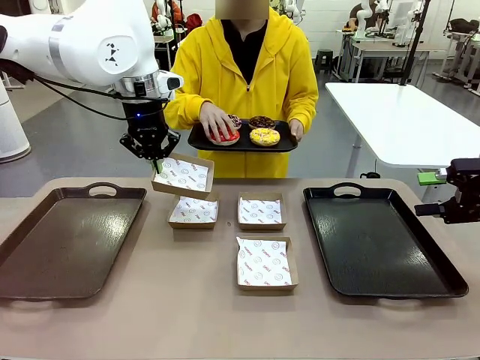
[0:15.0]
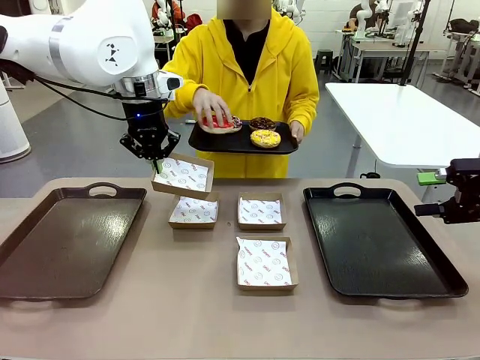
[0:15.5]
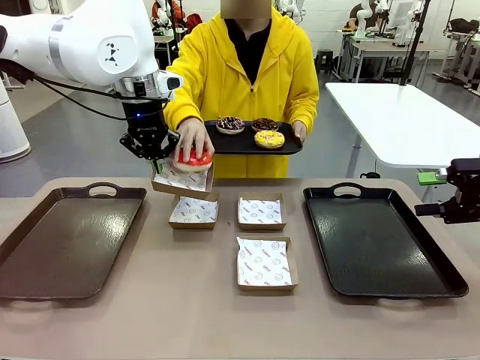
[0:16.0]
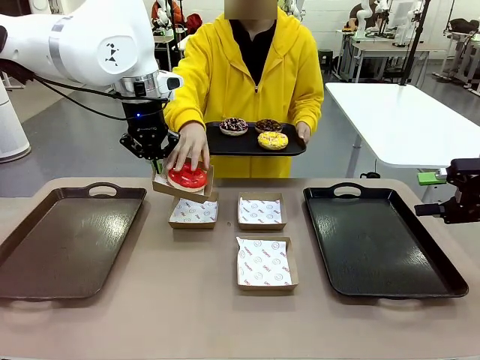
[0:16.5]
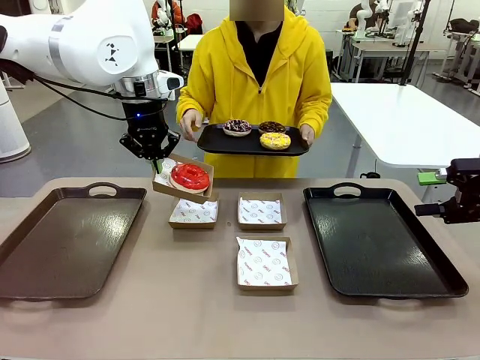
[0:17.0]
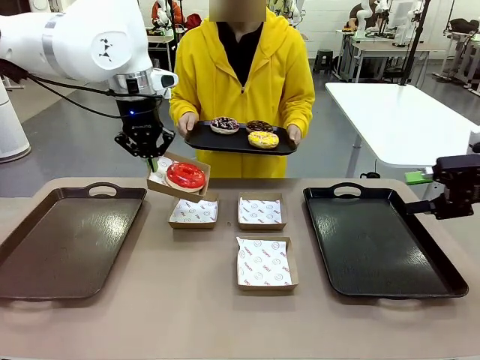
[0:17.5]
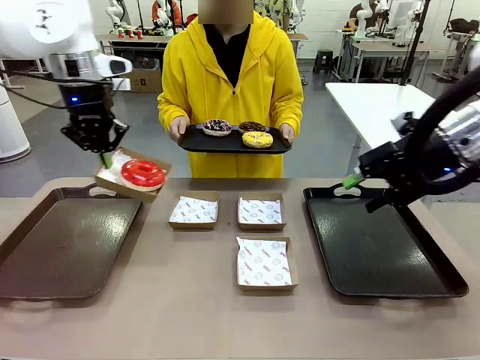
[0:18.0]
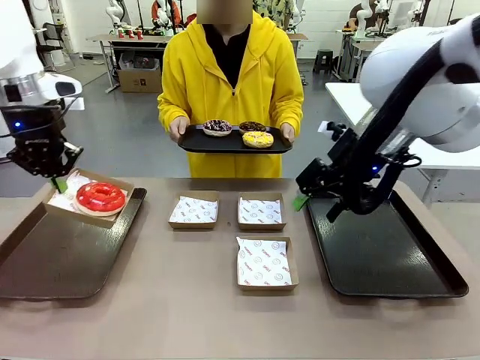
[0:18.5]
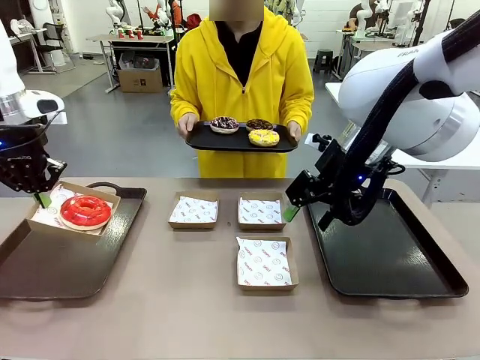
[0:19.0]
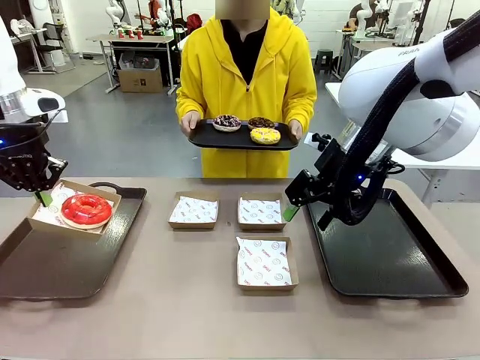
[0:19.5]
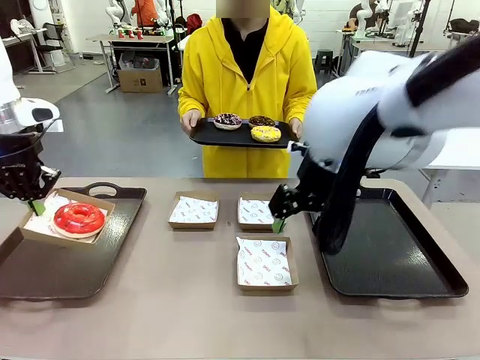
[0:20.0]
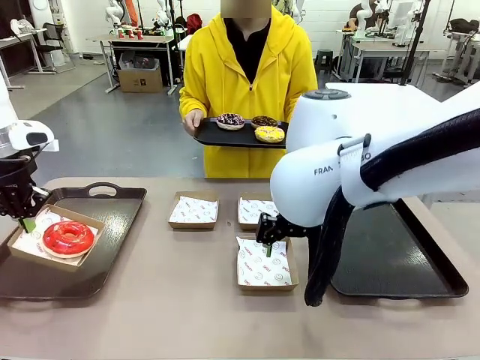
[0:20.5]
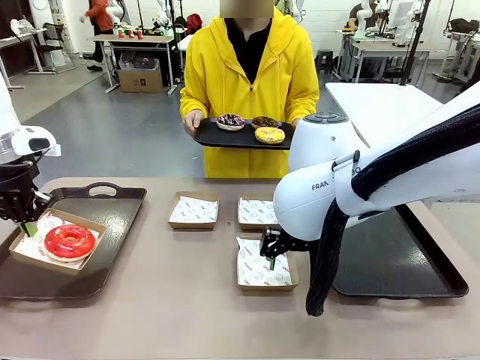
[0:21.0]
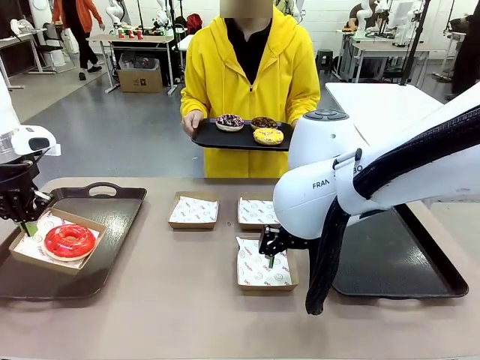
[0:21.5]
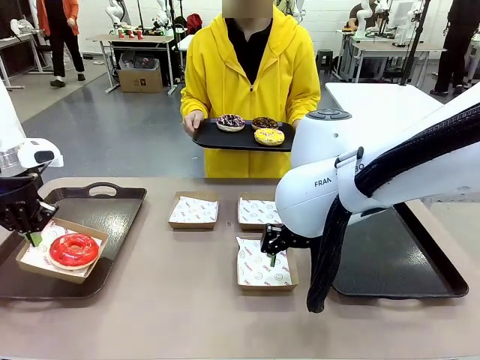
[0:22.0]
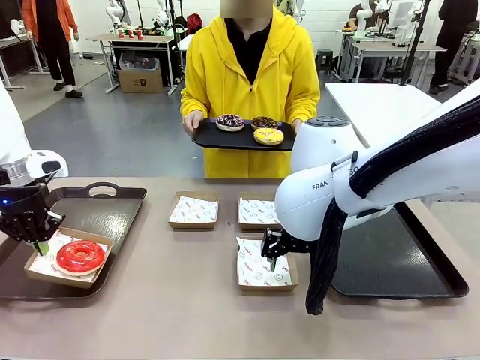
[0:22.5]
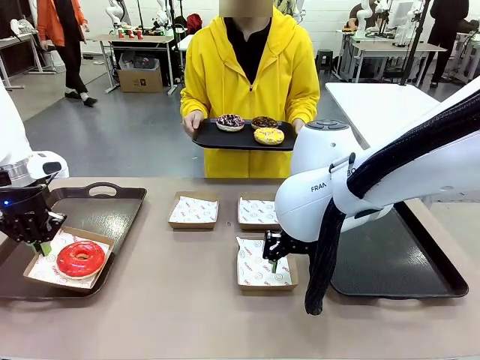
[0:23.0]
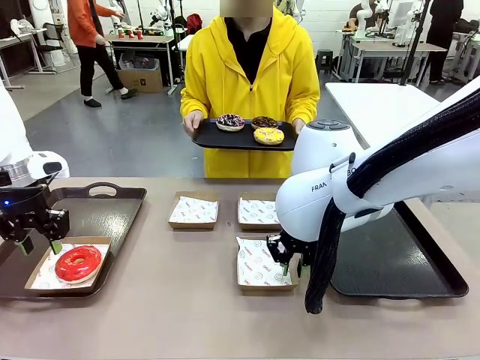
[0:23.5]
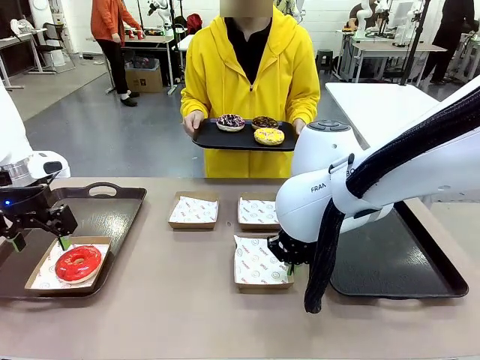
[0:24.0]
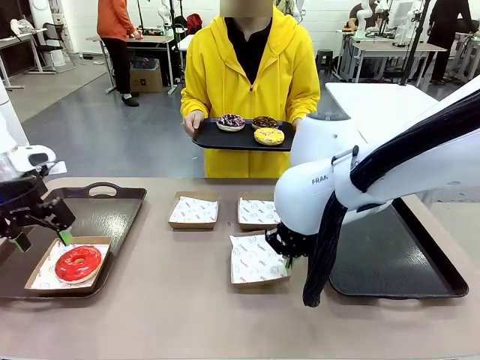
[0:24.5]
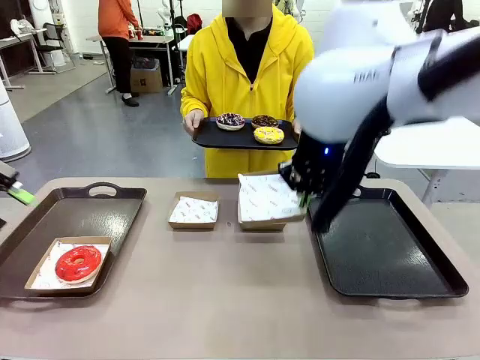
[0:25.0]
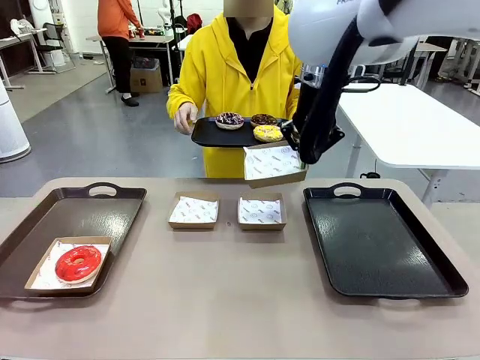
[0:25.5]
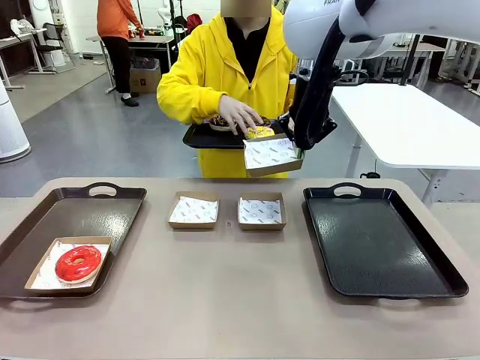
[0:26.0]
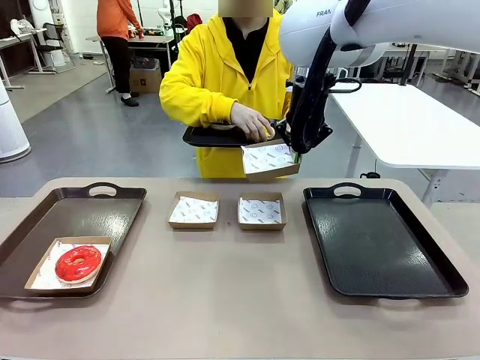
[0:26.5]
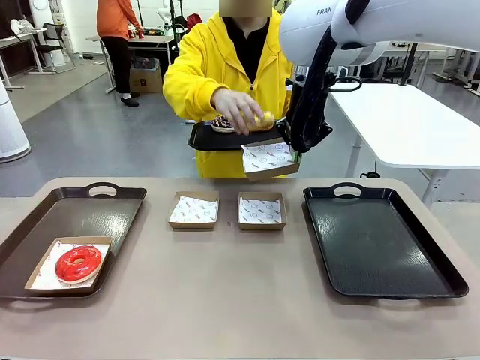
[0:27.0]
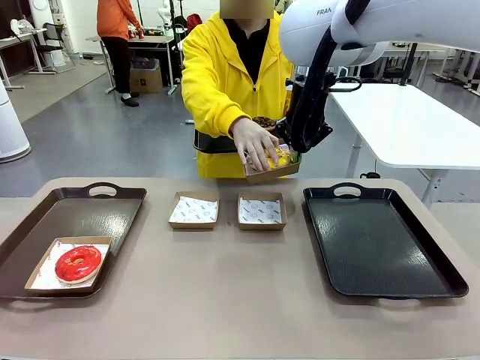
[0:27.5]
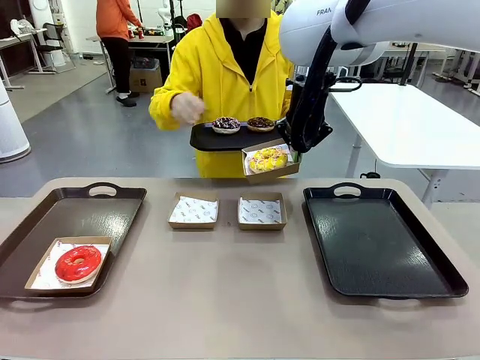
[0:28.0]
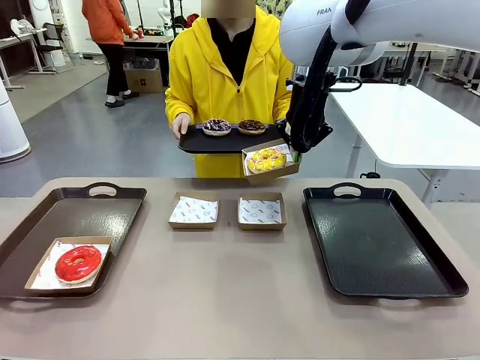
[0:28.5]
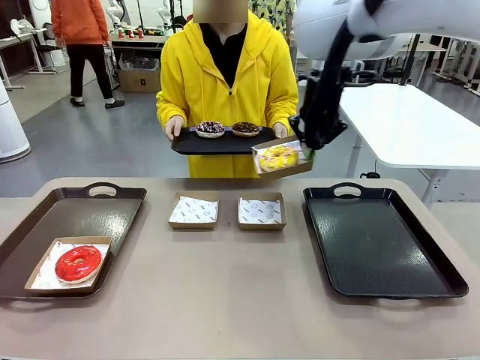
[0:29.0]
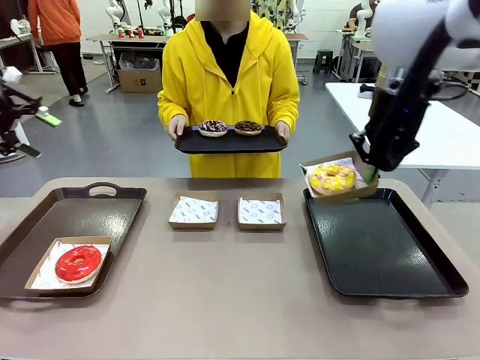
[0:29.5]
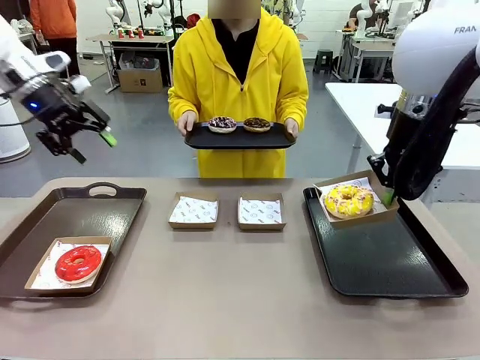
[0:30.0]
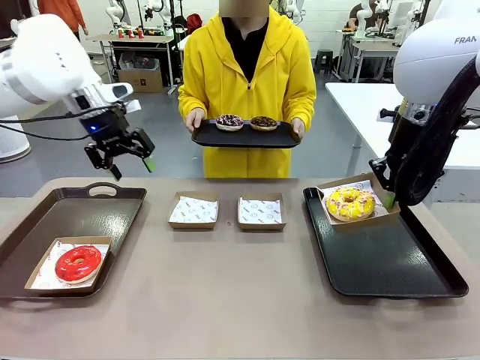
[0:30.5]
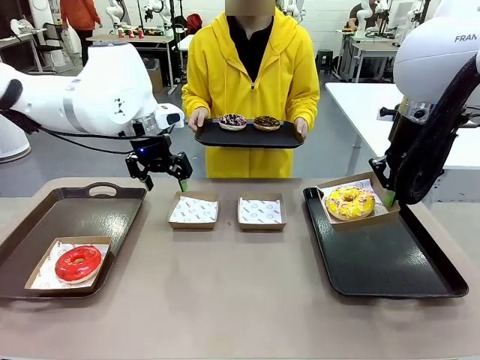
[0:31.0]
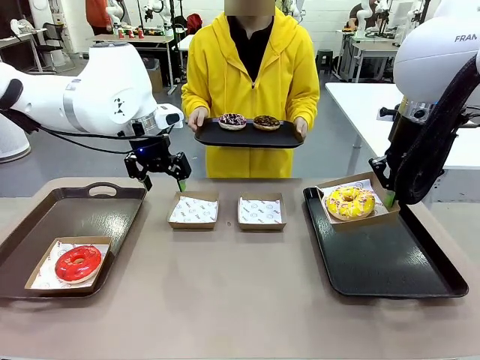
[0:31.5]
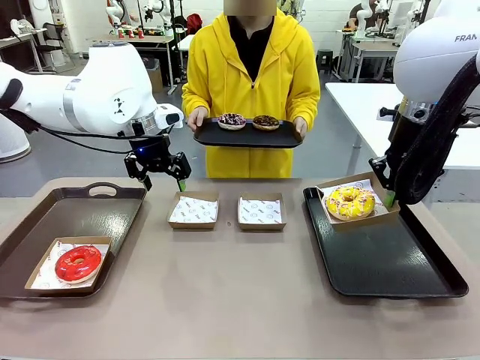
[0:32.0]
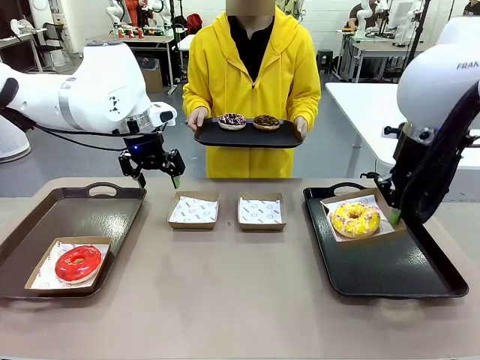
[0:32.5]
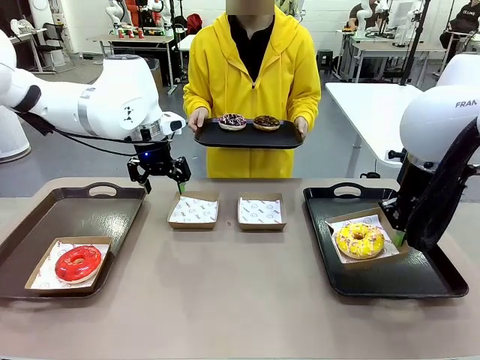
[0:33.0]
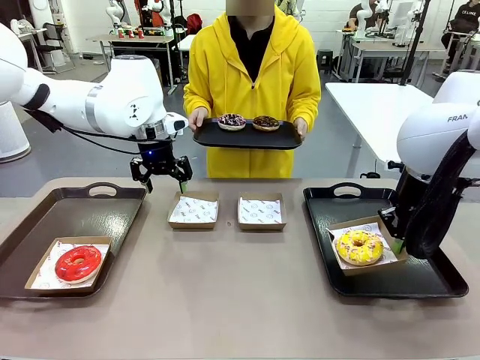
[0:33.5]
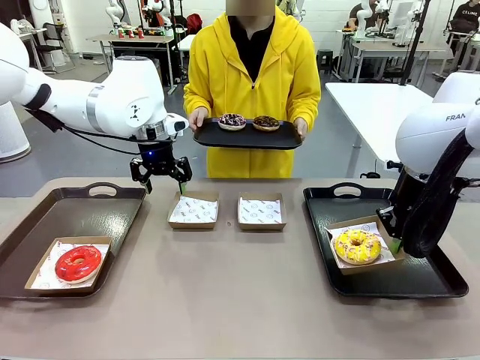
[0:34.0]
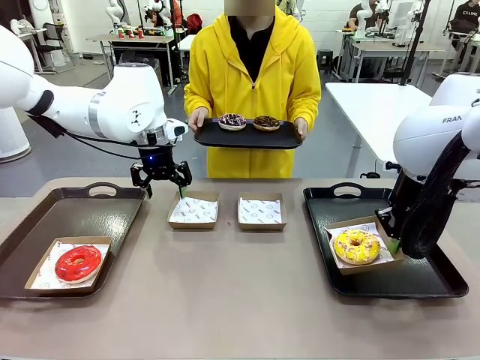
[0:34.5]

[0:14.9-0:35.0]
Task: Individually package the donuts and arrange them on the tray.
Robot: Place the picked Paper togo box on the Handle tray while simultaneously picking up another Paper togo box from the table with the other hand.

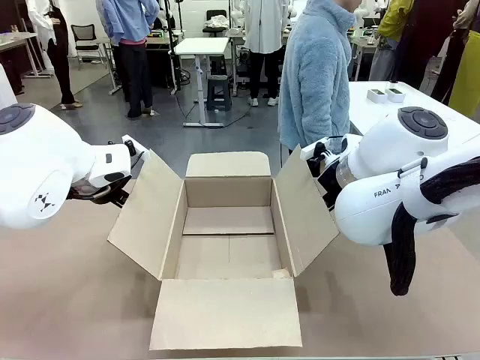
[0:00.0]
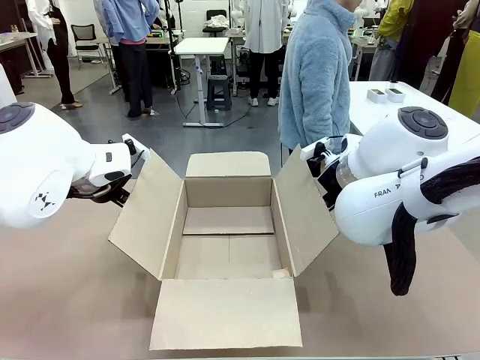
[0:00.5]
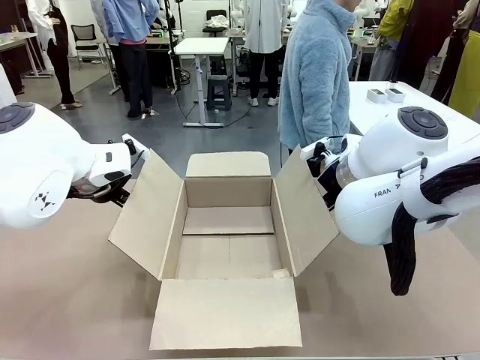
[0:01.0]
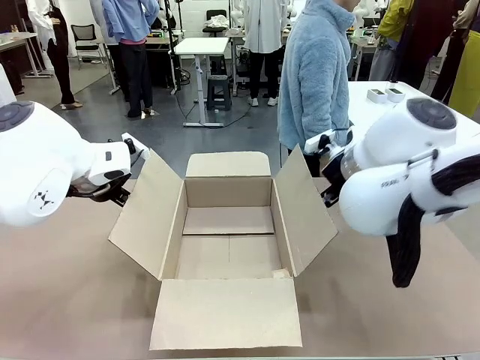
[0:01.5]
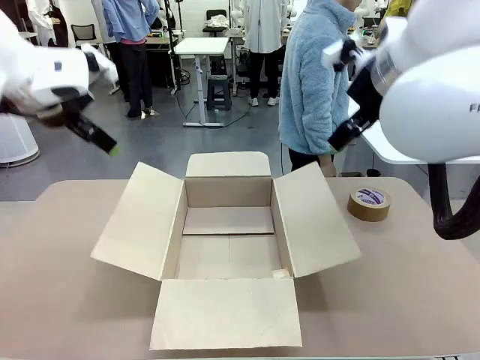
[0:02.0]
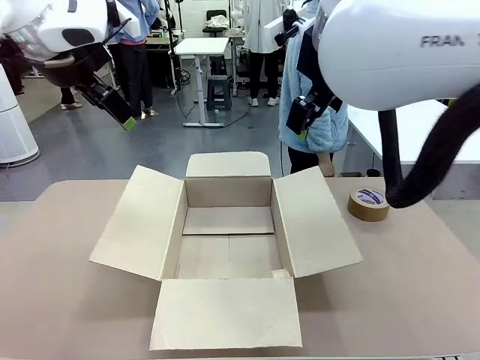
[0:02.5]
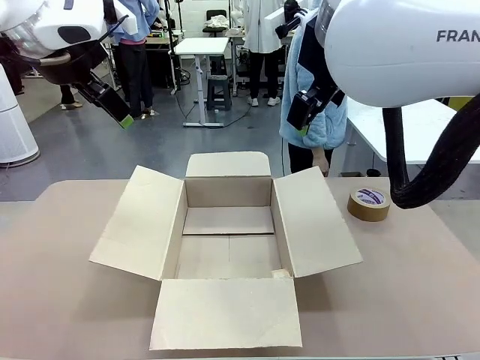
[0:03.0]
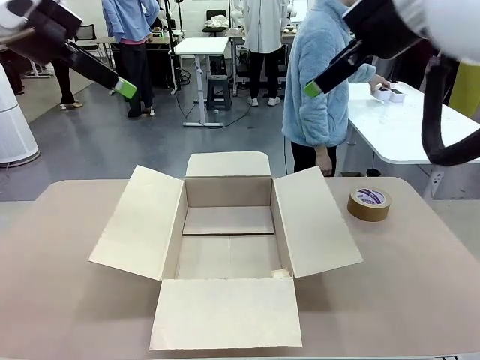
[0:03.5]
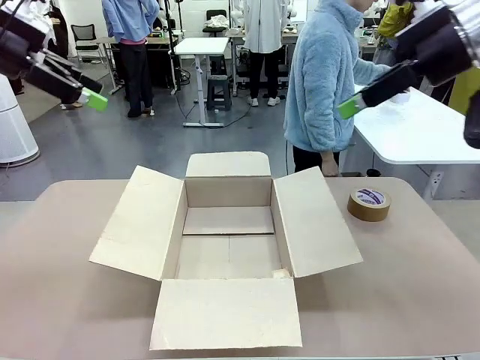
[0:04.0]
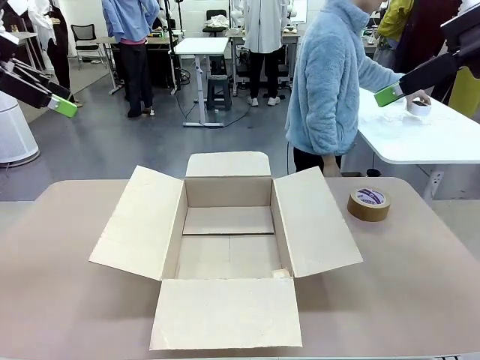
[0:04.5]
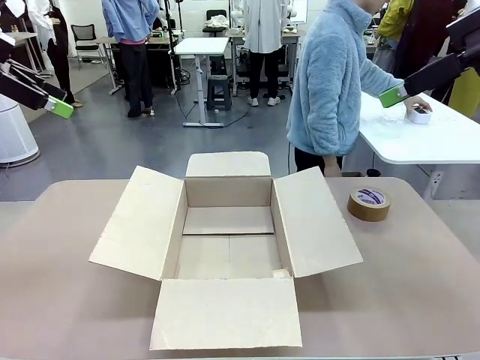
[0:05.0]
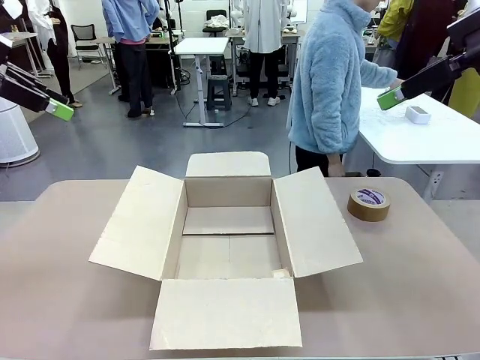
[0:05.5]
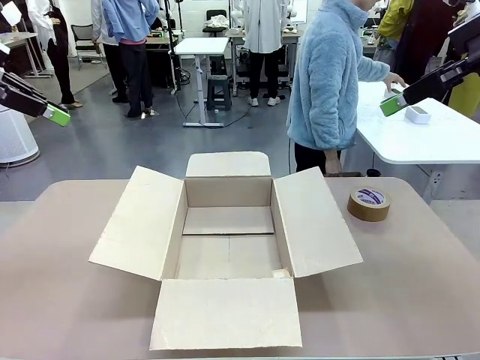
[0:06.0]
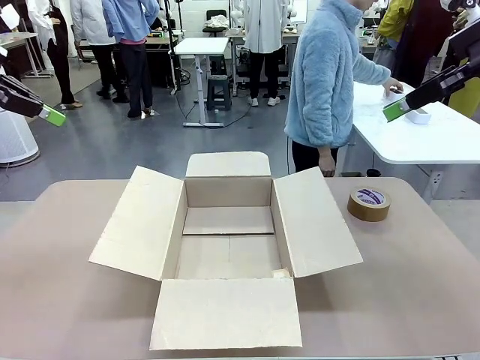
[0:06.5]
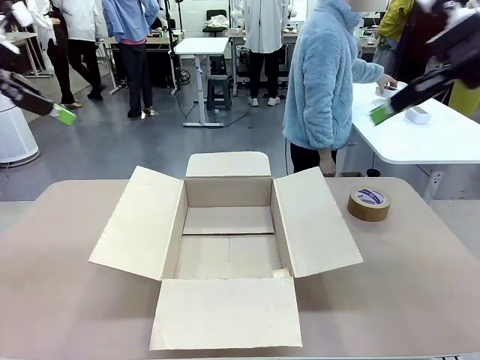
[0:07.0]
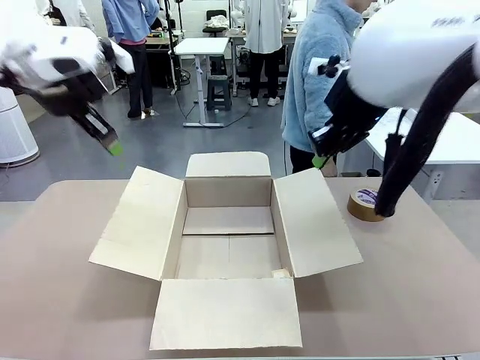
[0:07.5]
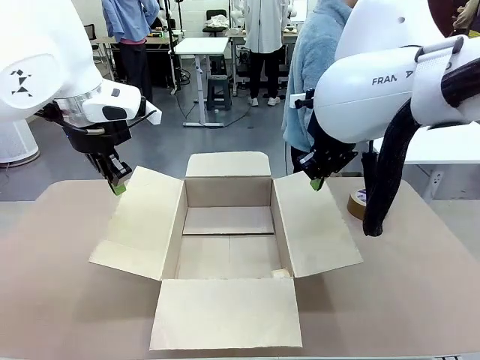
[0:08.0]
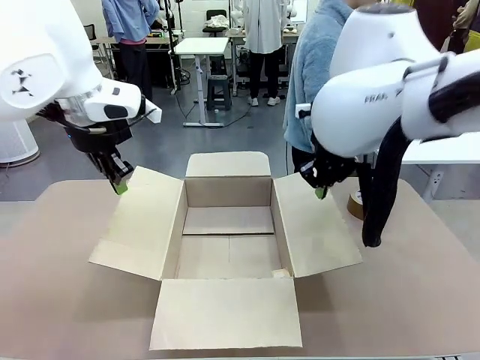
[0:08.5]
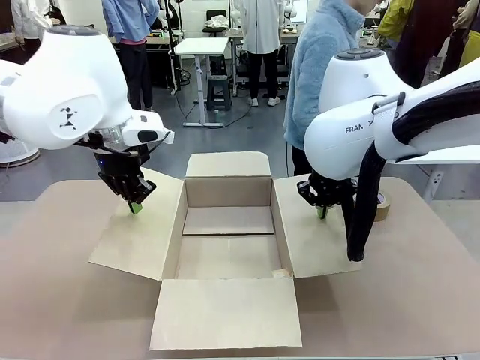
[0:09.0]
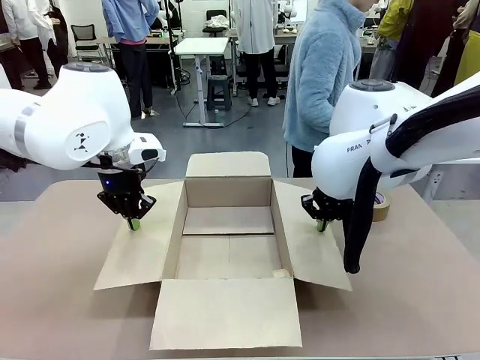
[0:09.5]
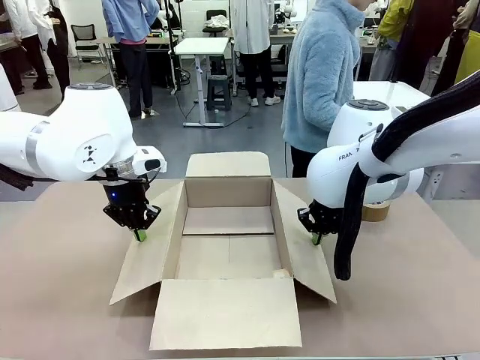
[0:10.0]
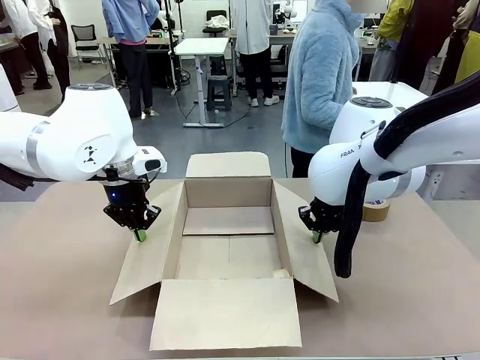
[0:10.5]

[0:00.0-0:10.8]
Task: Wrap the clocks to prevent damage.
Robot: Open the side flaps of the Package Box.
